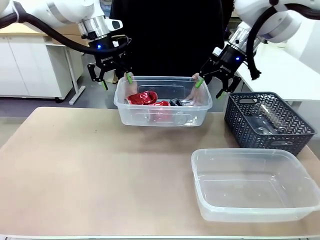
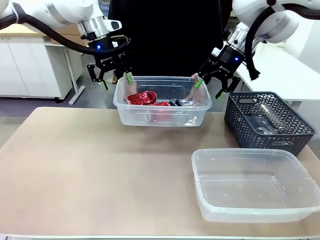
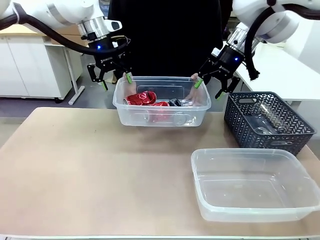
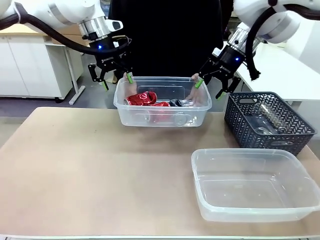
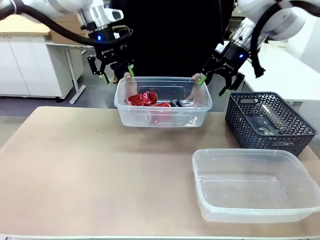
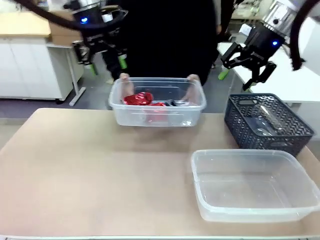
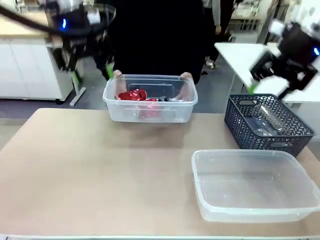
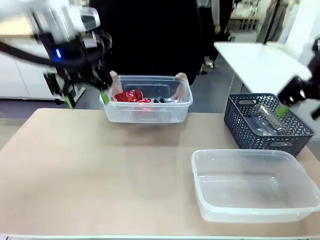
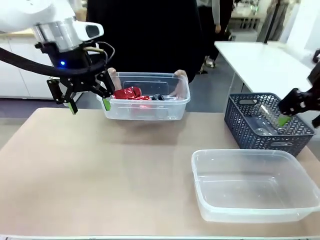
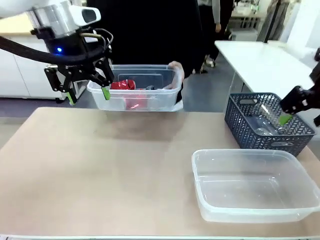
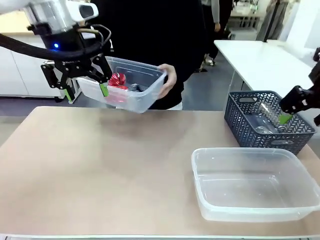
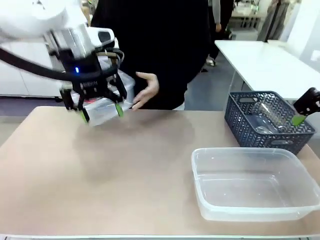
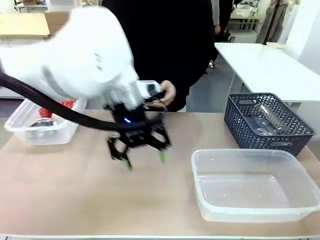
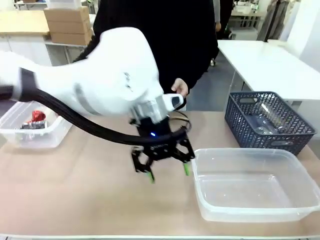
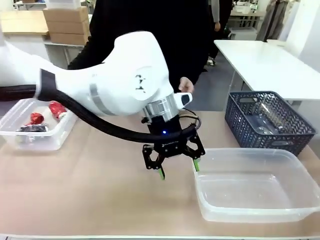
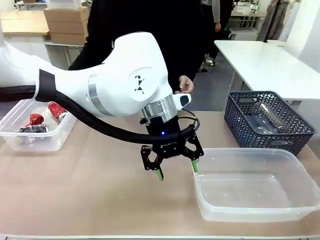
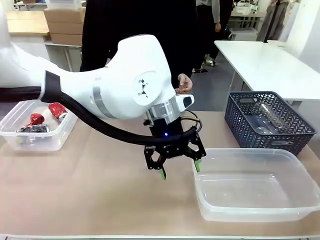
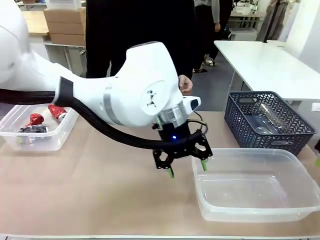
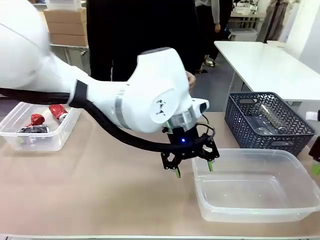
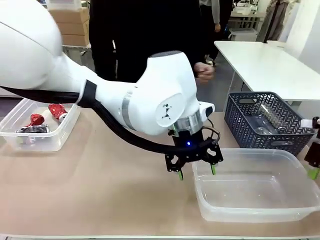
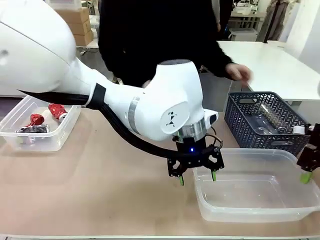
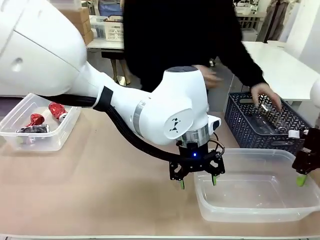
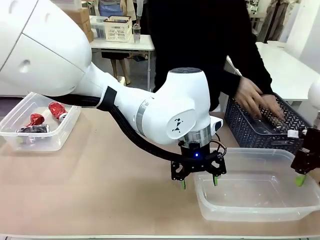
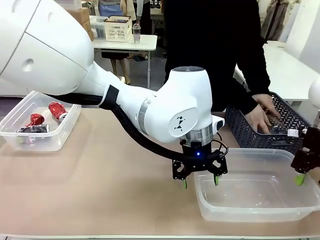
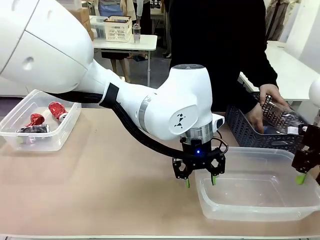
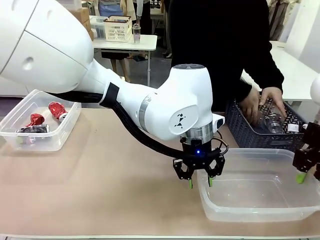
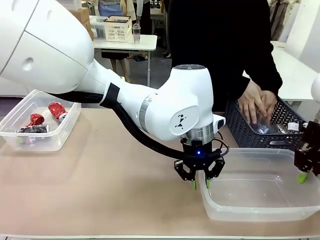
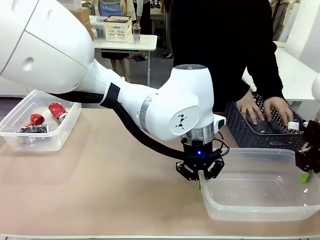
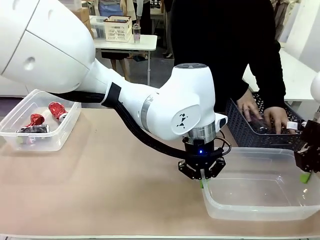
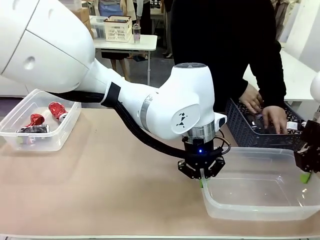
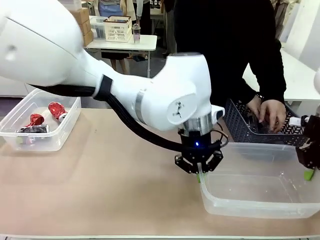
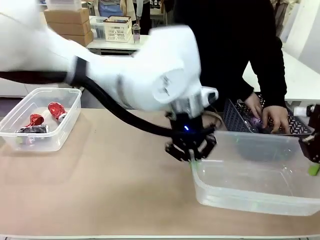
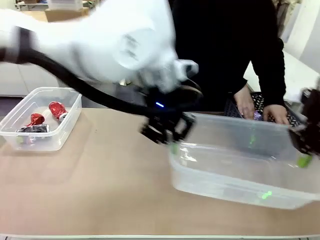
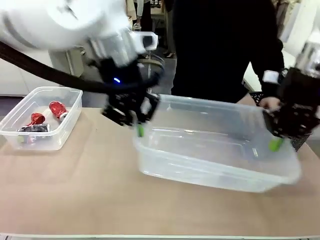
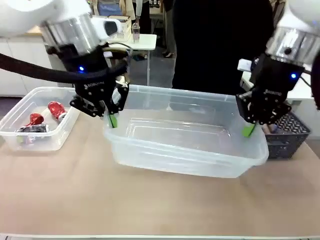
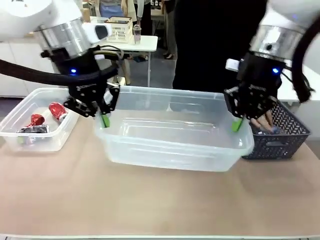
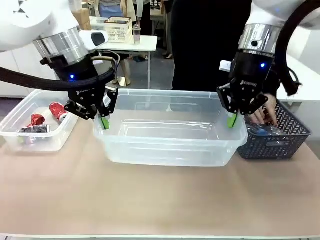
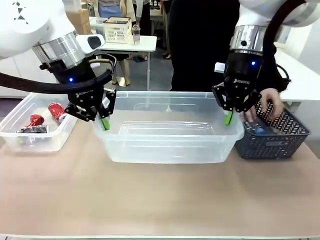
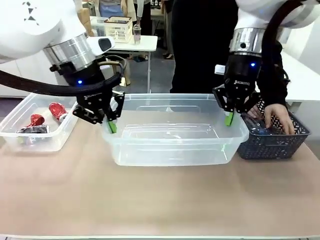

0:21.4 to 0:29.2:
Robot: Pick up the Organizing box on the right side of the table and lift it.
Person: Place it at the edge of the bottom right area of the robot table.

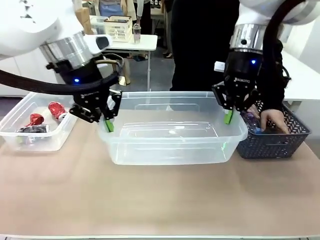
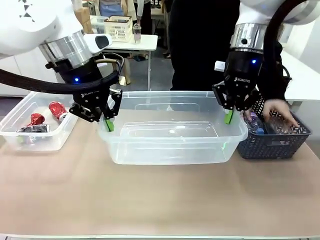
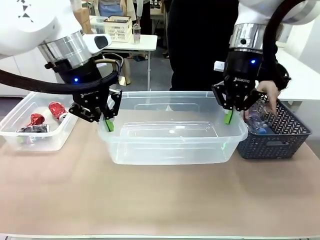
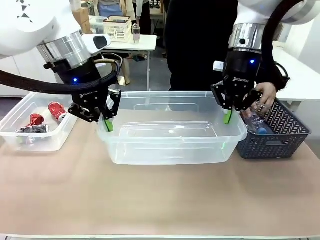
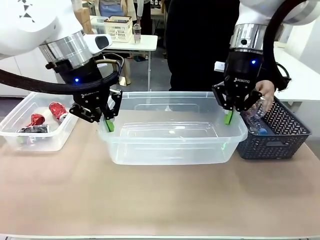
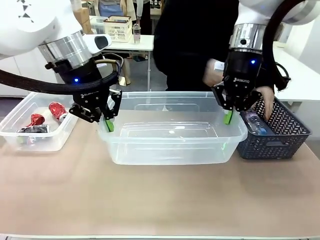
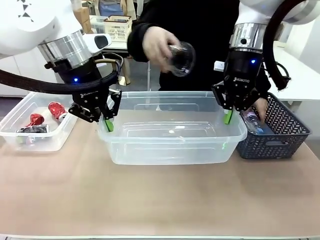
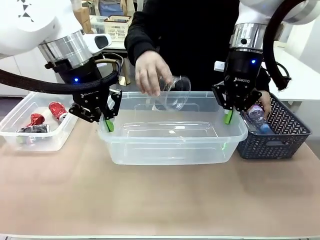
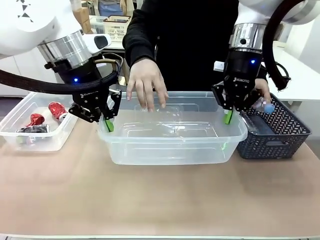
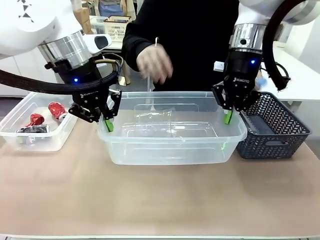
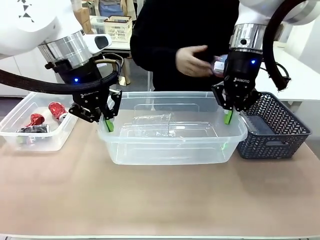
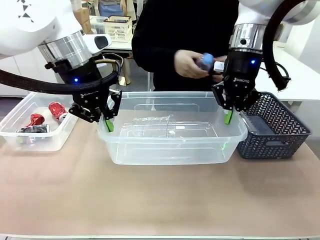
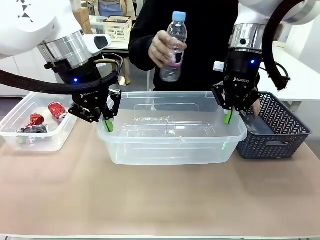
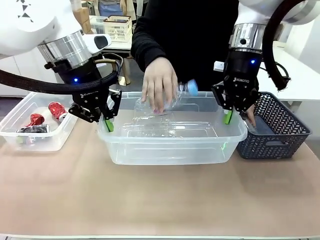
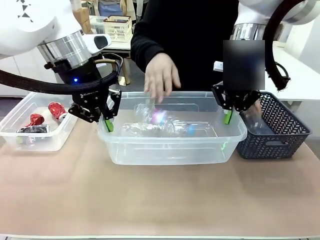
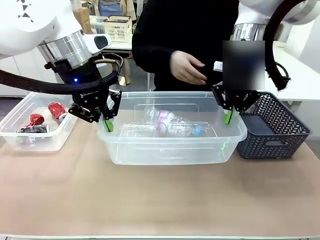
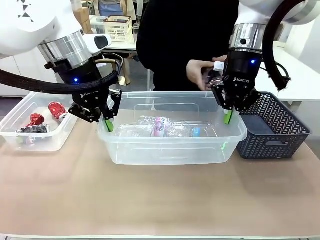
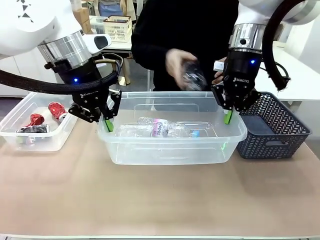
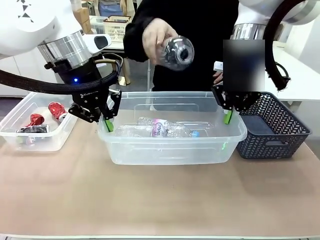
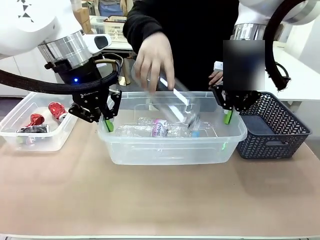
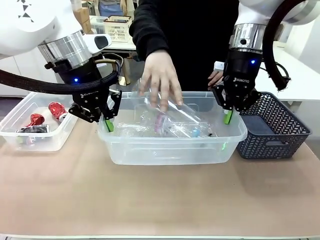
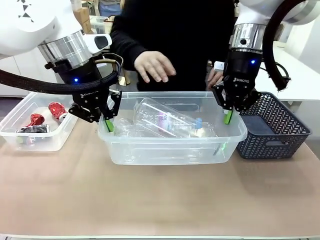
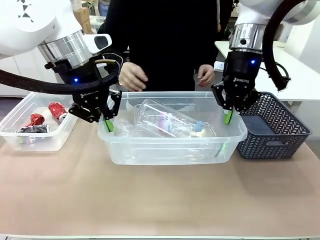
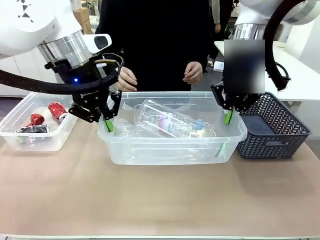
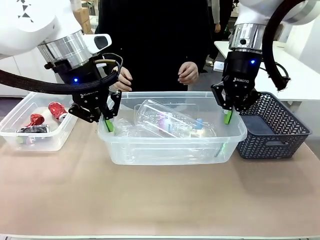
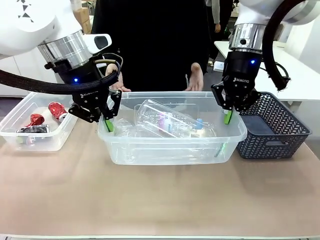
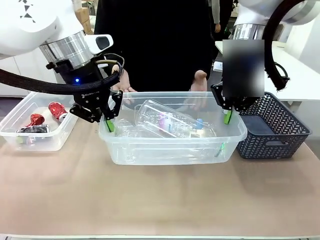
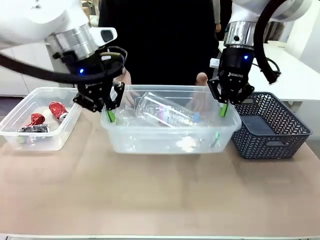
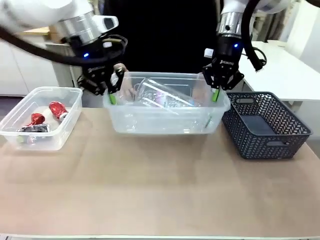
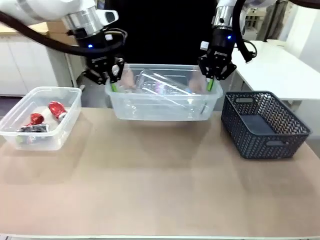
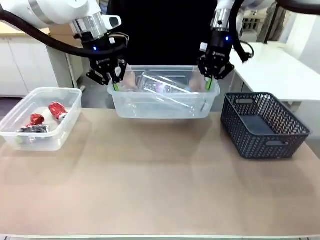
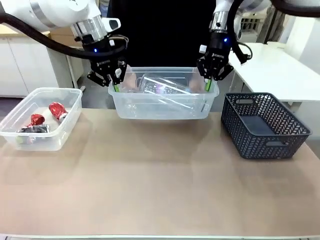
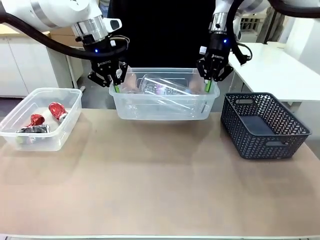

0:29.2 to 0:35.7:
Robot: Offer the picked Organizing box to the human.
Person: Pick up plastic waste one by one and place it into the organizing box lifted by the robot.

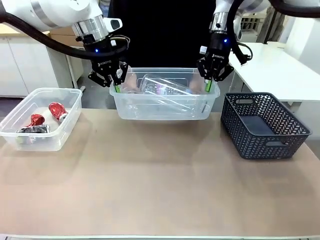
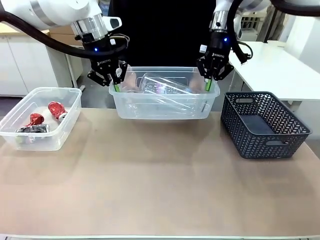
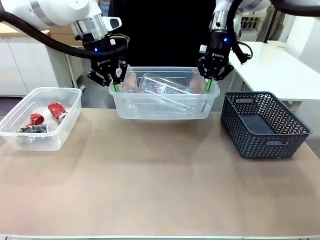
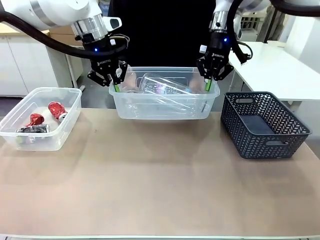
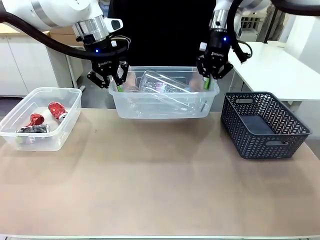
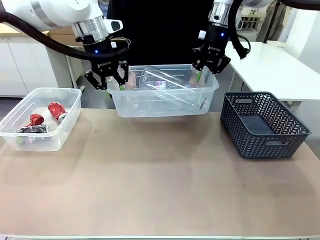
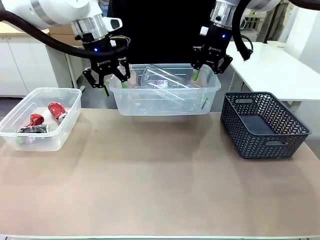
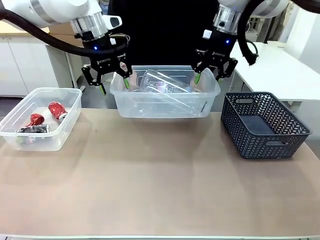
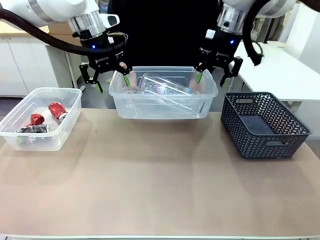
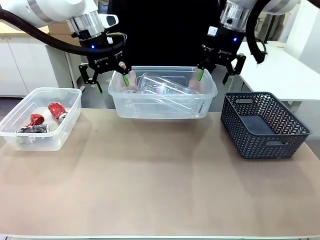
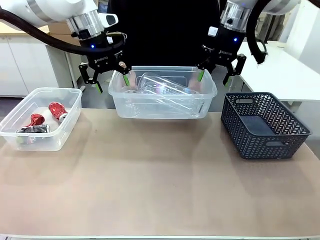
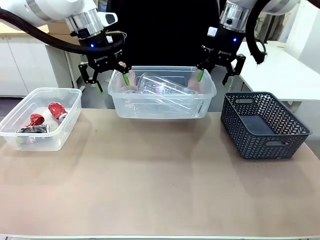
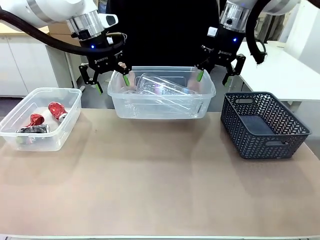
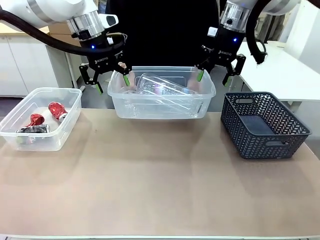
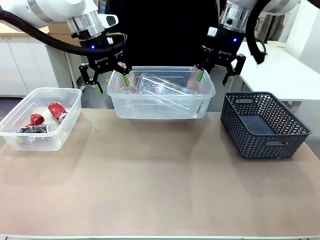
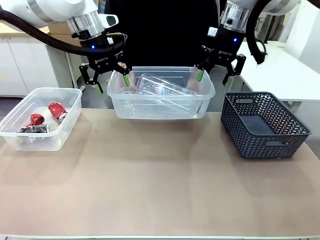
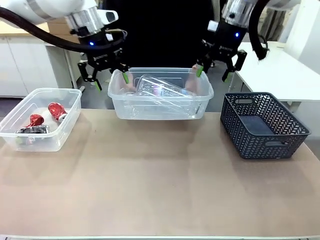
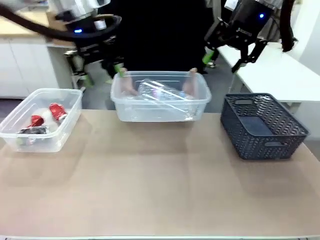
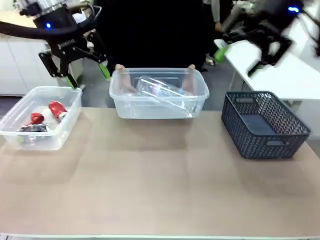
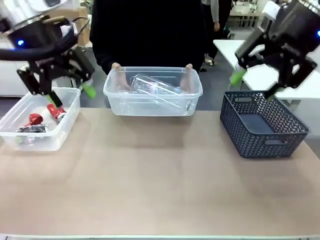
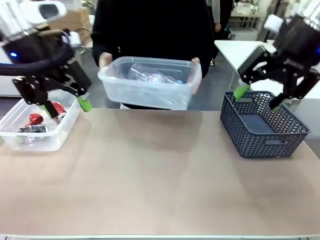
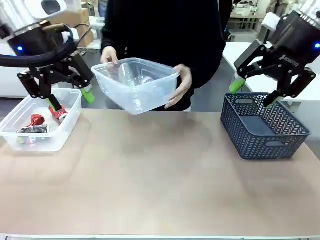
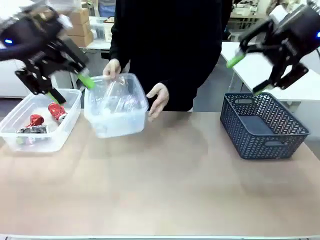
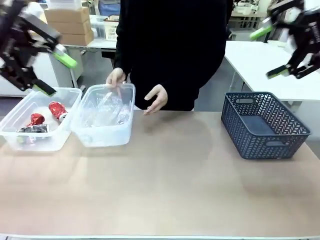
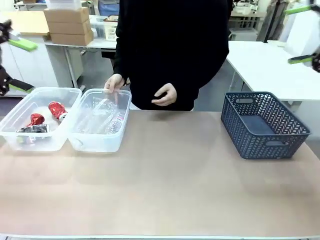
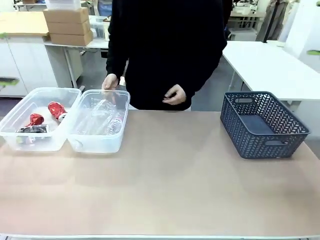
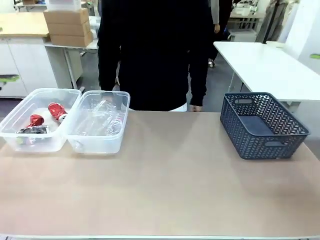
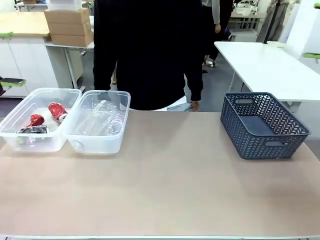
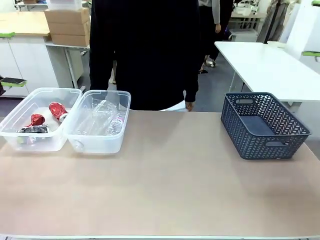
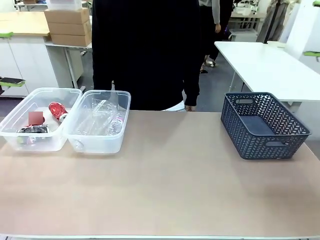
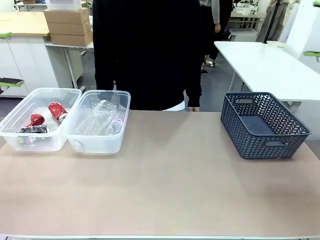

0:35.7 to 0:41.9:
Robot: Release the Organizing box you were holding.
Person: Pick up the organizing box extended by the robot. Place the organizing box to the left of the sorting box containing the can waste.
